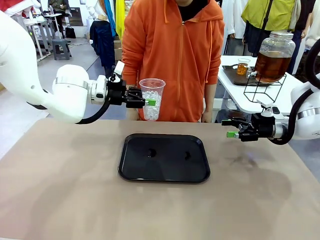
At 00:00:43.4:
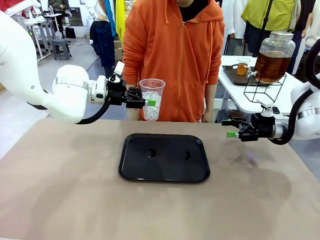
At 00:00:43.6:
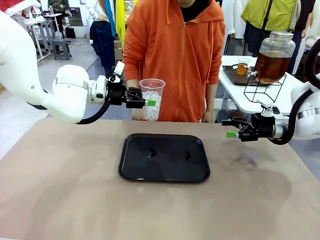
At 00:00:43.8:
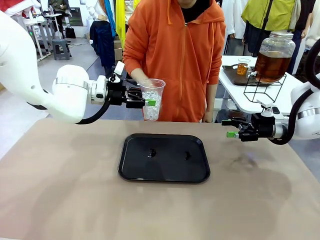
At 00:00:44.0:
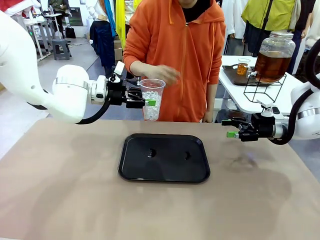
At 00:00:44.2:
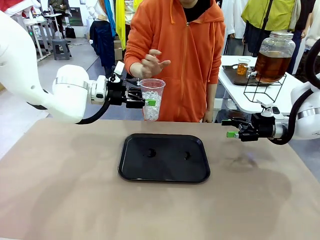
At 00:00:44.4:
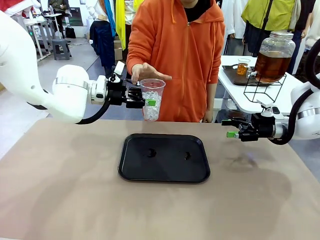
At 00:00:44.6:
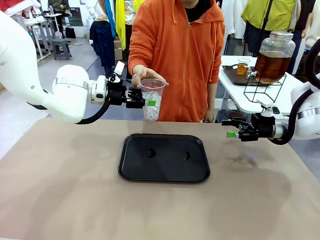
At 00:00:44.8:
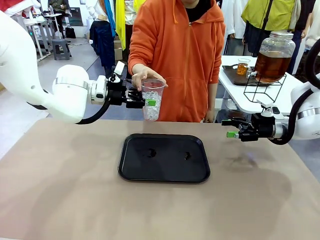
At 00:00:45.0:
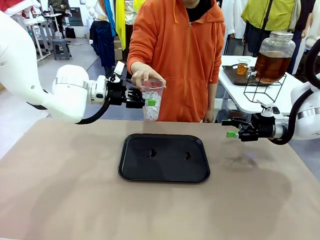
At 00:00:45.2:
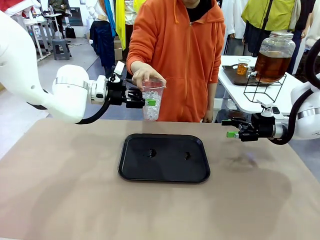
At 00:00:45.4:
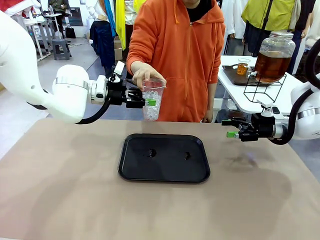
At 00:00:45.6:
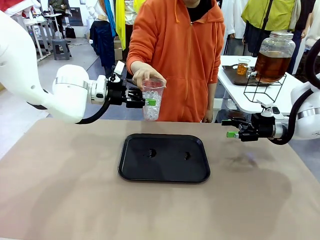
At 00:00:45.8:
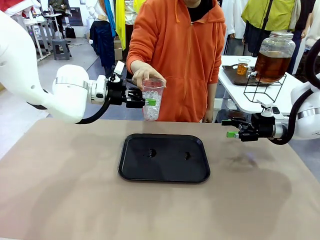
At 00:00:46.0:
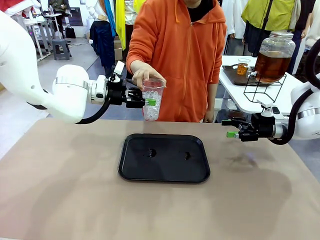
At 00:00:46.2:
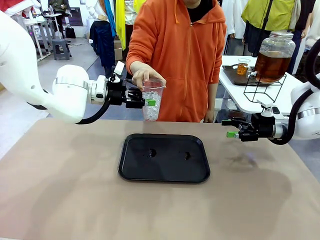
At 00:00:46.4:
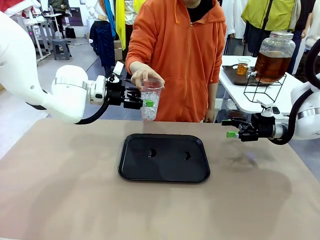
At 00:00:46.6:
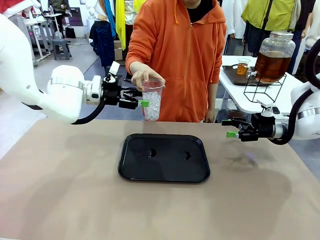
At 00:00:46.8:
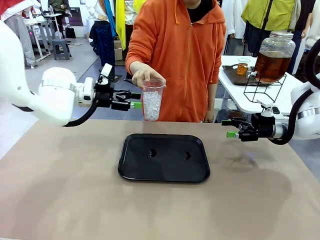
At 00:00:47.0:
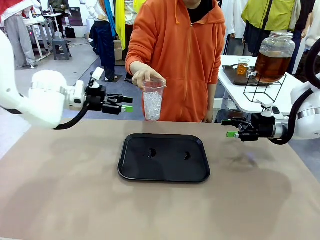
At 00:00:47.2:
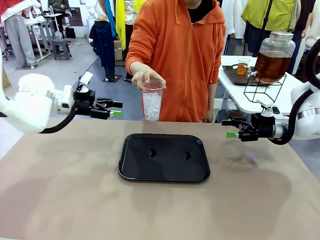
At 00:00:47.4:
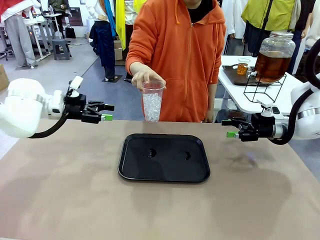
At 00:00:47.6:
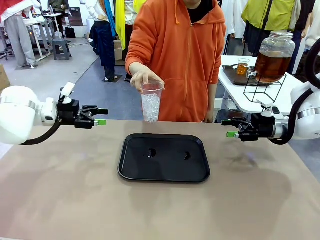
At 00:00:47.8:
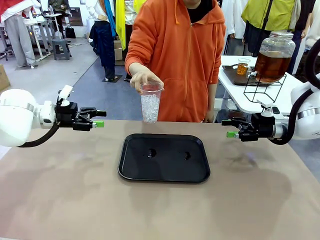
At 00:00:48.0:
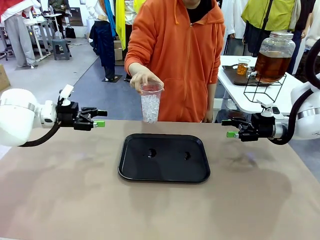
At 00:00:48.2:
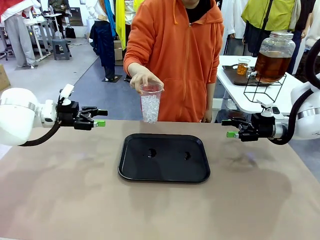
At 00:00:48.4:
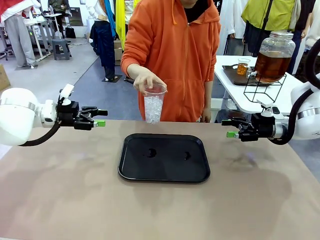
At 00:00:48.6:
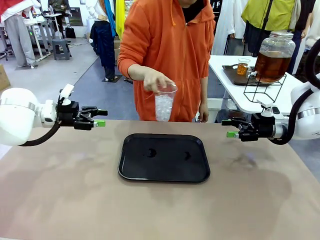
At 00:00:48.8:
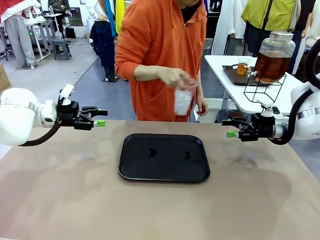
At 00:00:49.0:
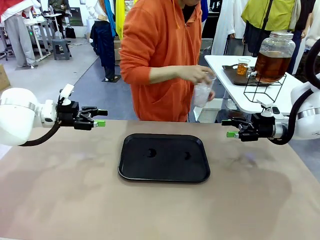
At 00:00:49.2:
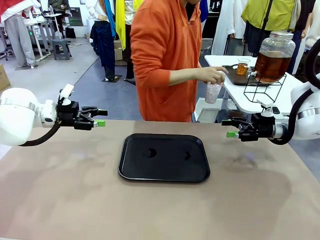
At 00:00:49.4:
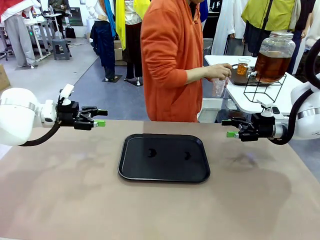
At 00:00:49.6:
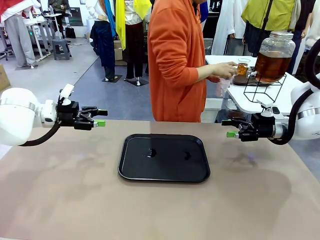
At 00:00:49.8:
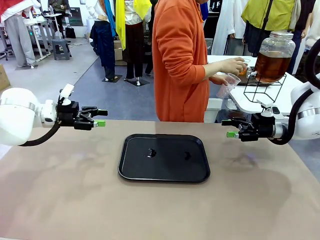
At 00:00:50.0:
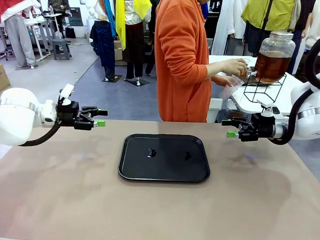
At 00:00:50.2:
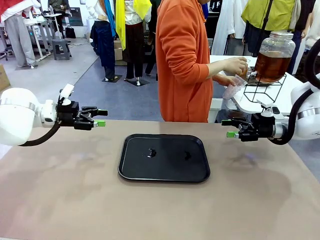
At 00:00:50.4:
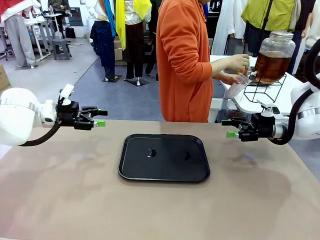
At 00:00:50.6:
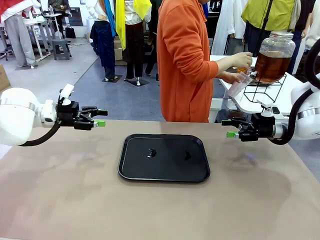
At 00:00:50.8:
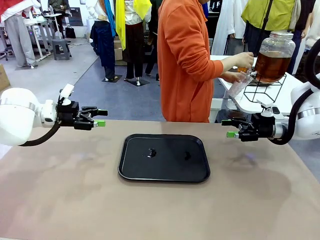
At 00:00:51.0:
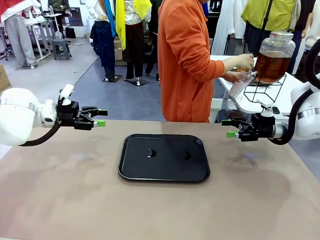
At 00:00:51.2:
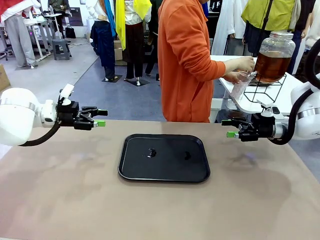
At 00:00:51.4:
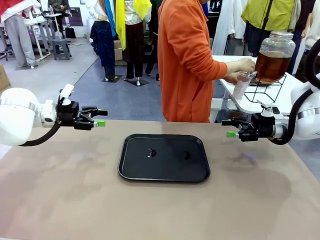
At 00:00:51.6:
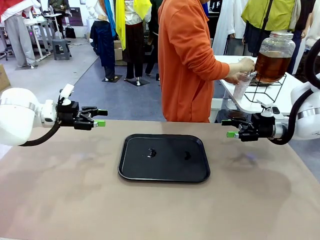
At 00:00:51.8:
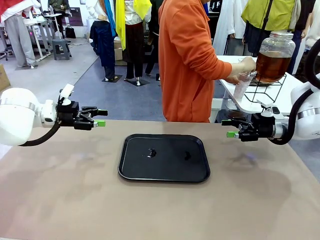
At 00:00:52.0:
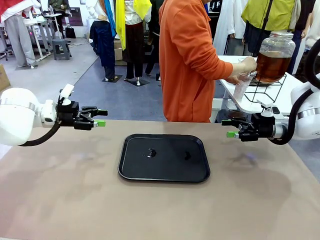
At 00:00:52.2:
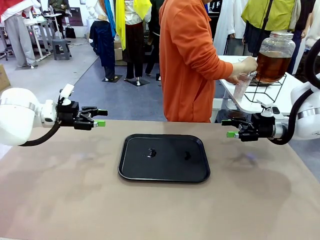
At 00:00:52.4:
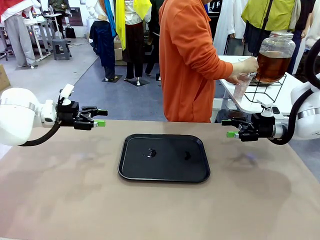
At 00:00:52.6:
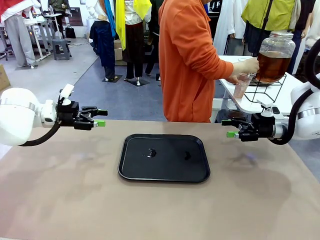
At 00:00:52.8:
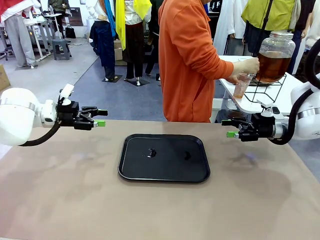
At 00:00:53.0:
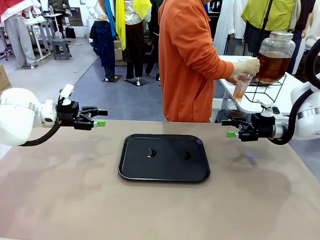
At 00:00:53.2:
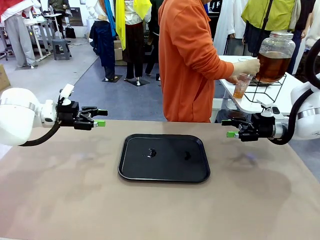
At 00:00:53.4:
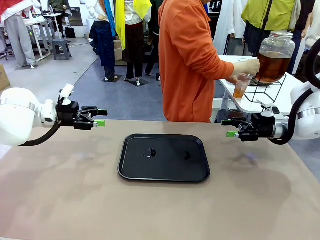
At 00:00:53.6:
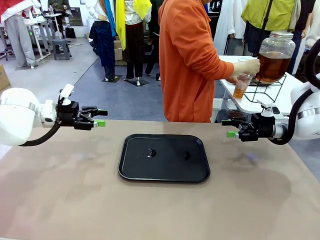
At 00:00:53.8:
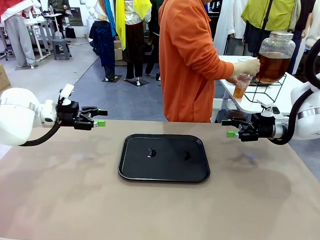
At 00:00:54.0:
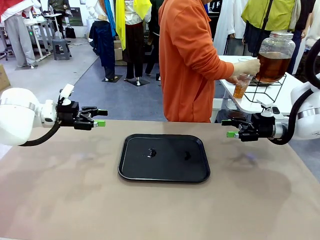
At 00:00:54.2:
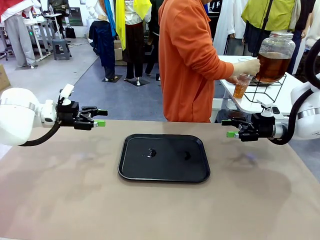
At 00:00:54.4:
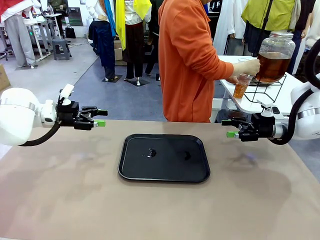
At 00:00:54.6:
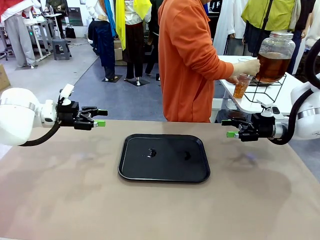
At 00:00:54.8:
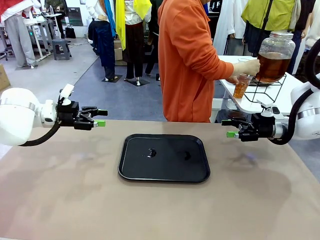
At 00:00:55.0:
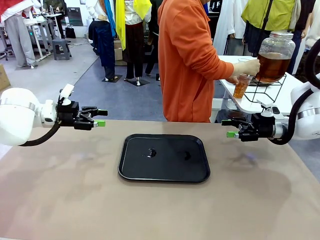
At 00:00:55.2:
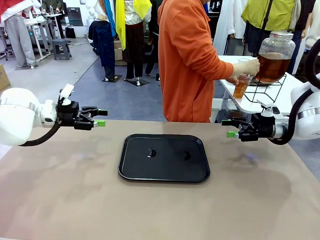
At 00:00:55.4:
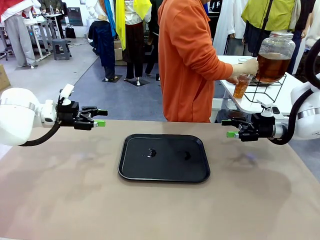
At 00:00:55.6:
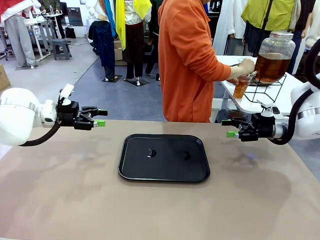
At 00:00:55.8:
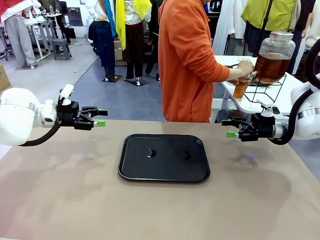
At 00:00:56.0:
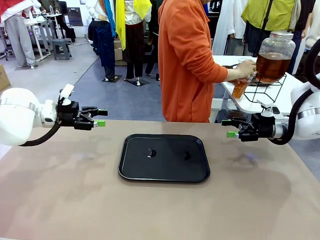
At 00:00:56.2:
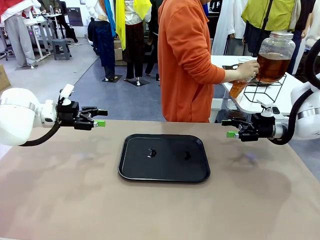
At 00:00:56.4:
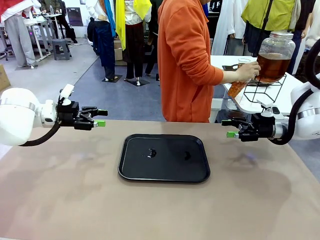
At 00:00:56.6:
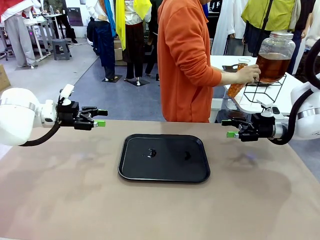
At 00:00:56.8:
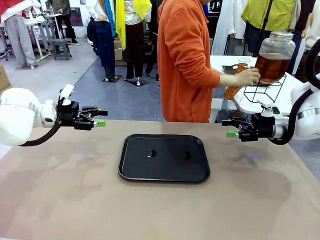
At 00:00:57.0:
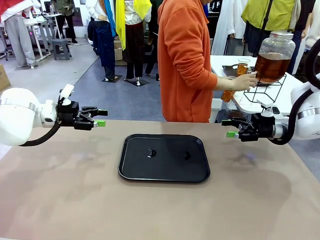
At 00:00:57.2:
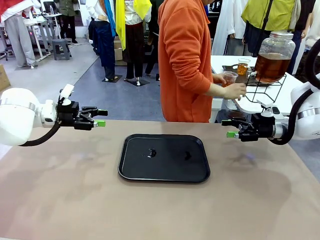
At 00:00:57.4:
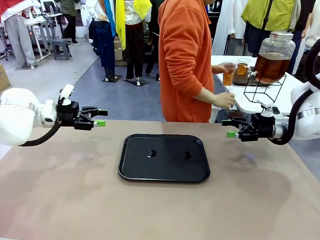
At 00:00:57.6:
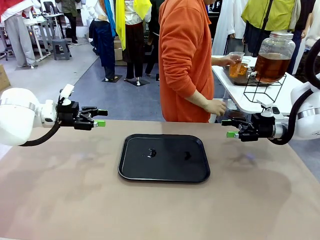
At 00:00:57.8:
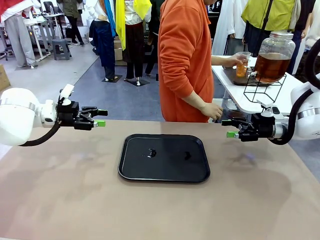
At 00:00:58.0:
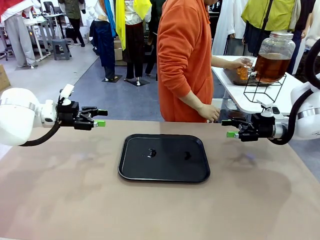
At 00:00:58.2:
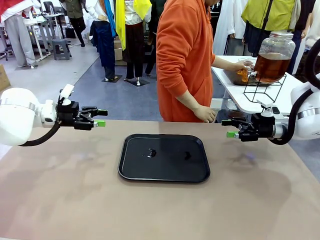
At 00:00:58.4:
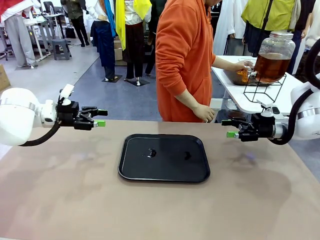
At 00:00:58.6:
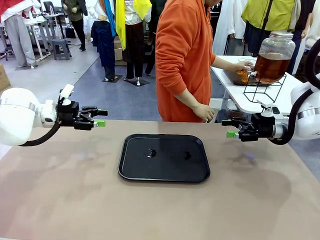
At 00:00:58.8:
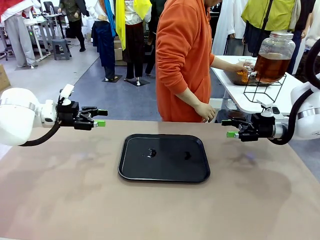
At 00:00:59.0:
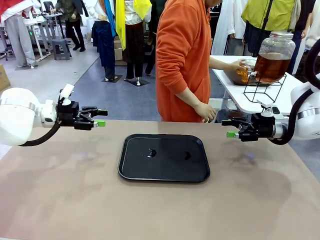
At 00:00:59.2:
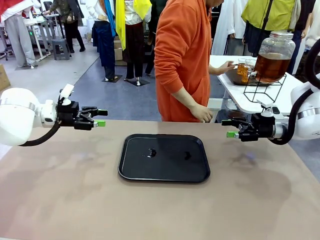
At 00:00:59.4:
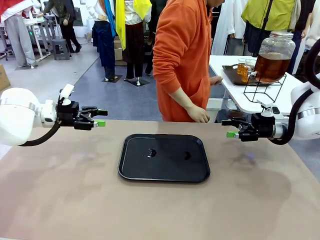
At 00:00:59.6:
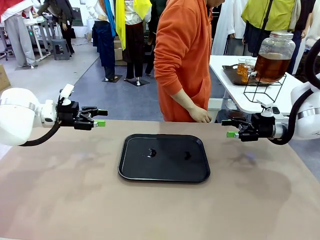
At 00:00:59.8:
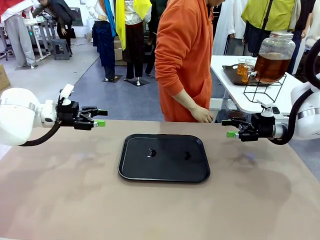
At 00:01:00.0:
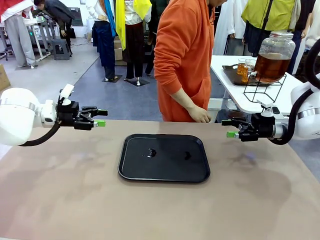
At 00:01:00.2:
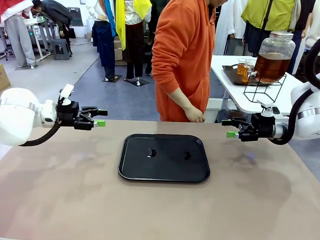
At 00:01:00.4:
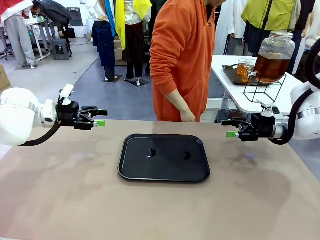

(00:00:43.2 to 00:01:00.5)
Task: Pour the drink into the iced cup.
Robot: Open the gripper to release the iced cup you were holding.
Person: Move the picked-up cup under the dispenser faucet, pour the drink, and place it on the tray on the human table.
